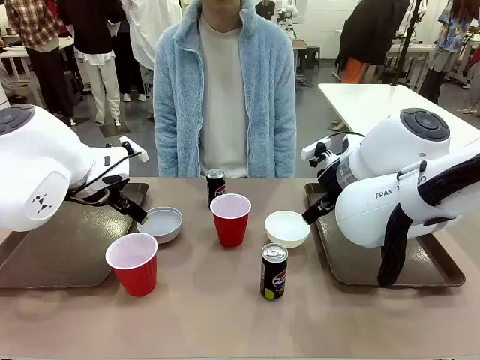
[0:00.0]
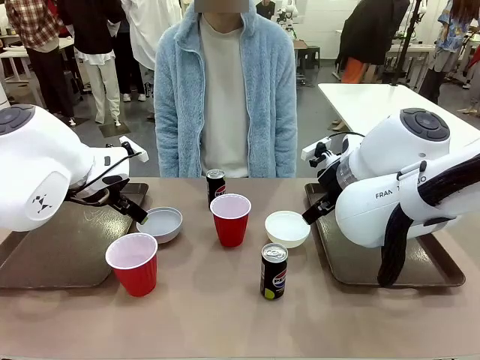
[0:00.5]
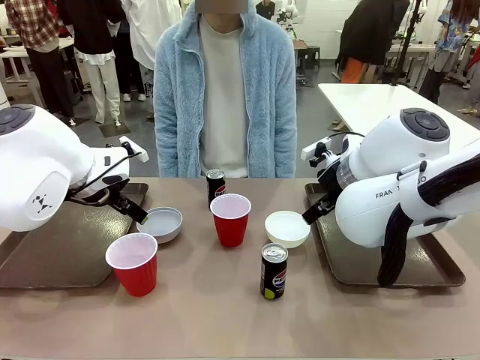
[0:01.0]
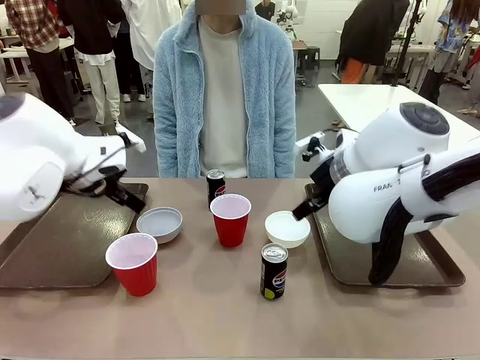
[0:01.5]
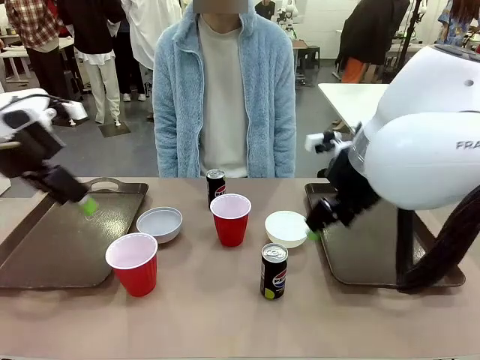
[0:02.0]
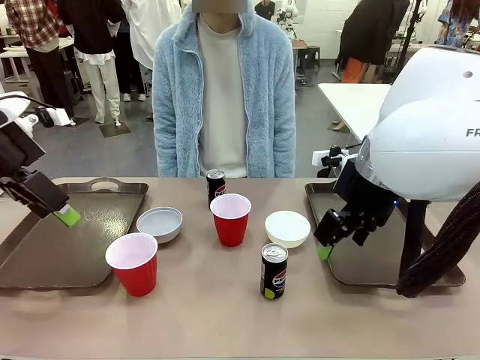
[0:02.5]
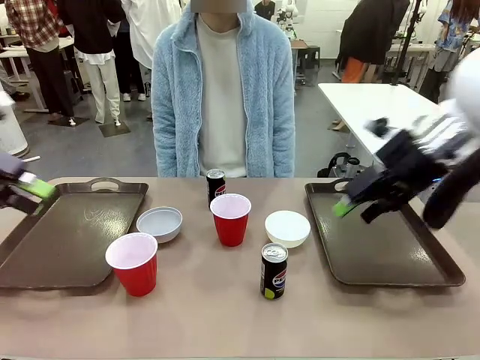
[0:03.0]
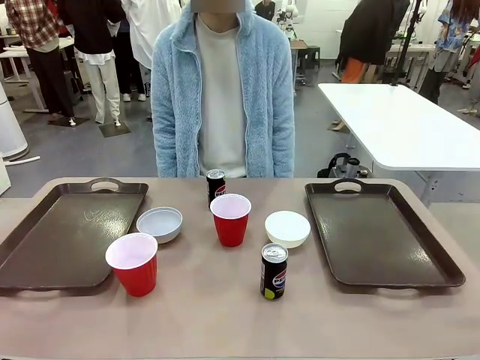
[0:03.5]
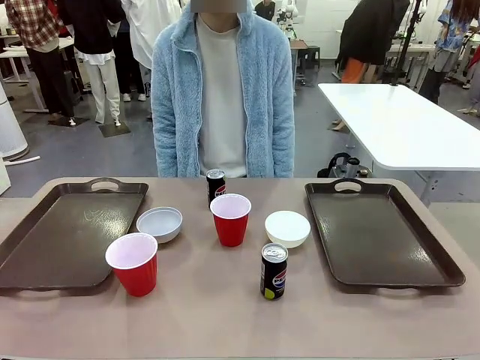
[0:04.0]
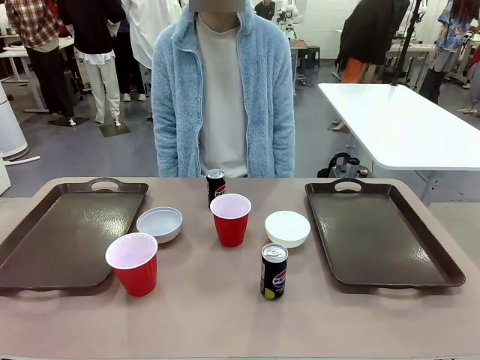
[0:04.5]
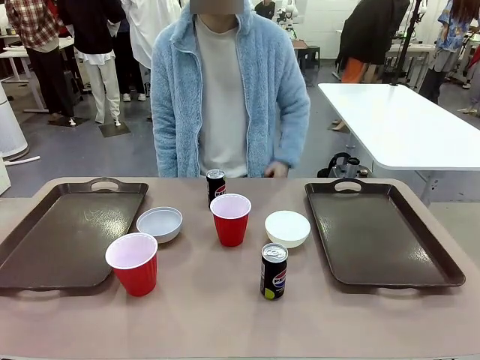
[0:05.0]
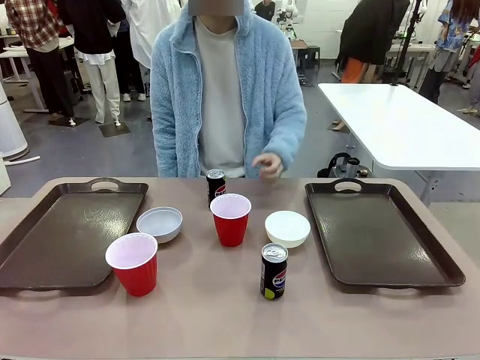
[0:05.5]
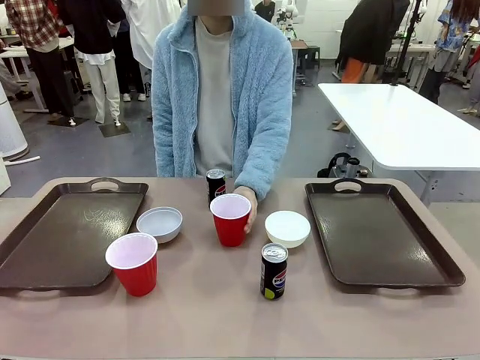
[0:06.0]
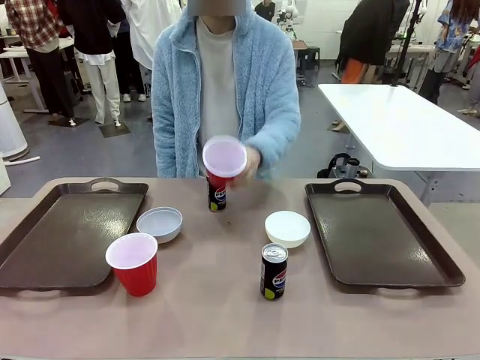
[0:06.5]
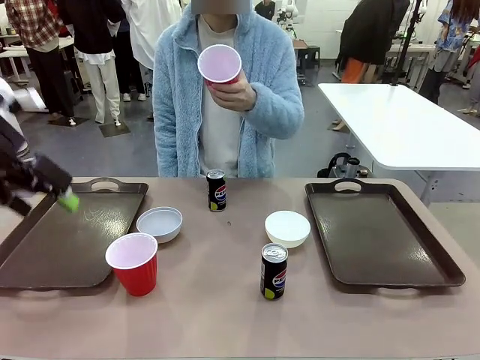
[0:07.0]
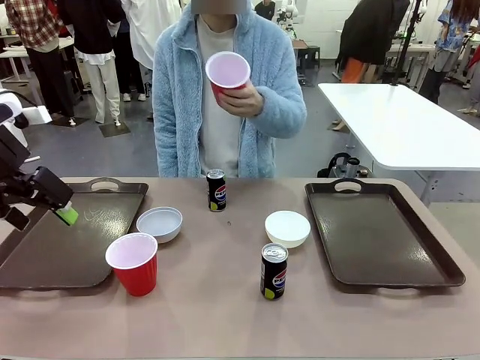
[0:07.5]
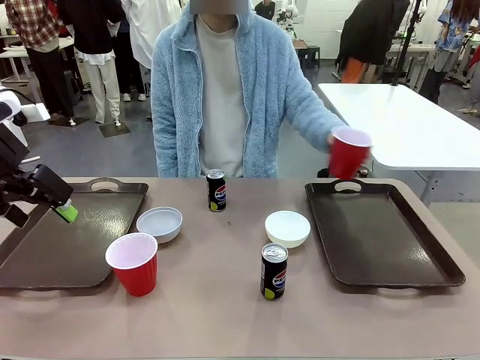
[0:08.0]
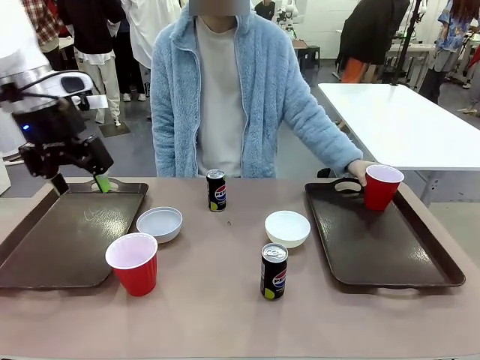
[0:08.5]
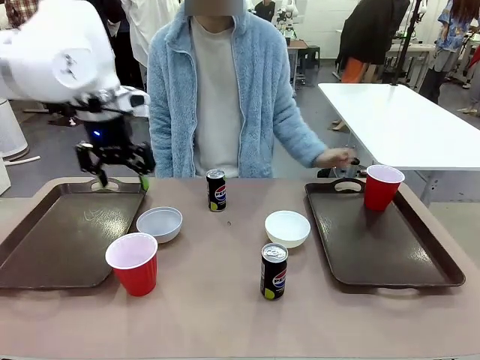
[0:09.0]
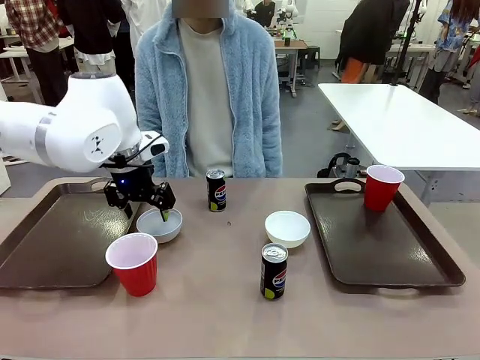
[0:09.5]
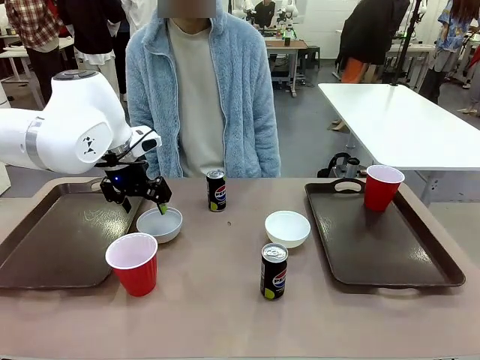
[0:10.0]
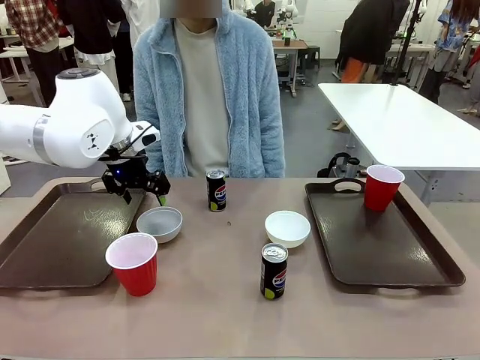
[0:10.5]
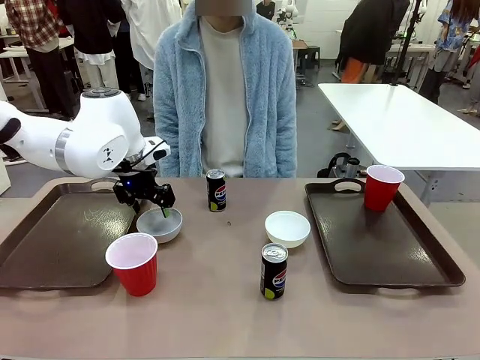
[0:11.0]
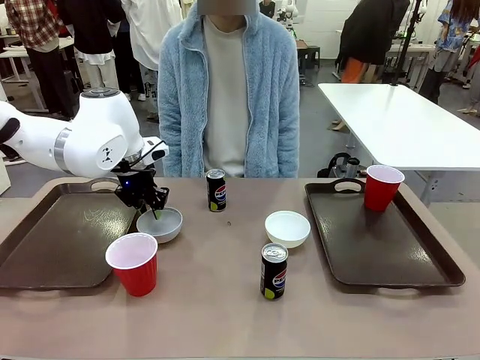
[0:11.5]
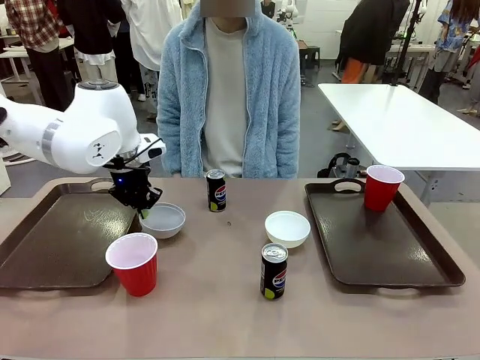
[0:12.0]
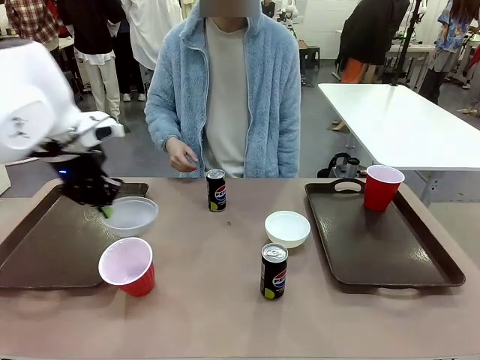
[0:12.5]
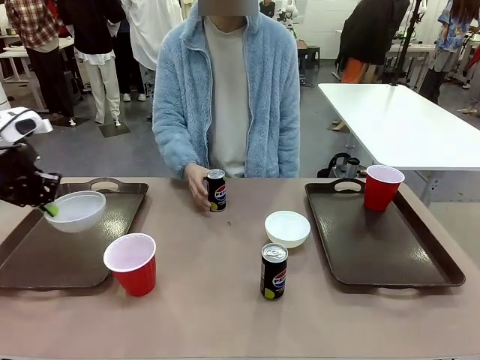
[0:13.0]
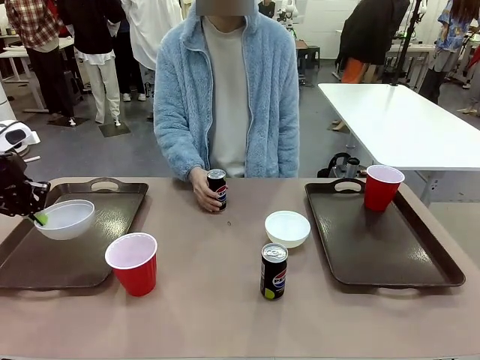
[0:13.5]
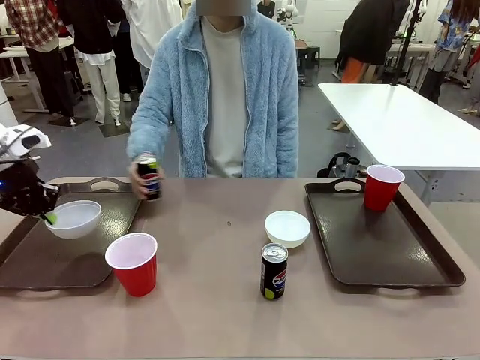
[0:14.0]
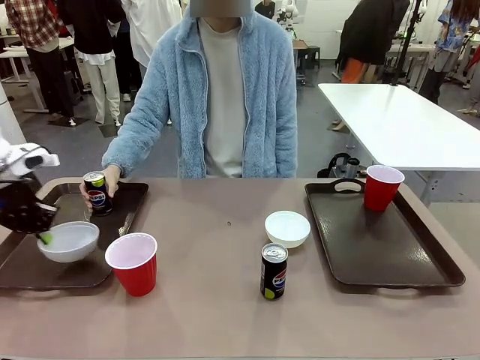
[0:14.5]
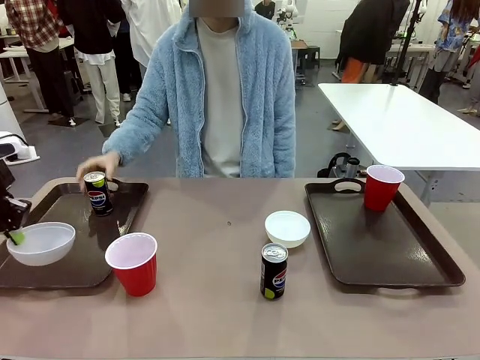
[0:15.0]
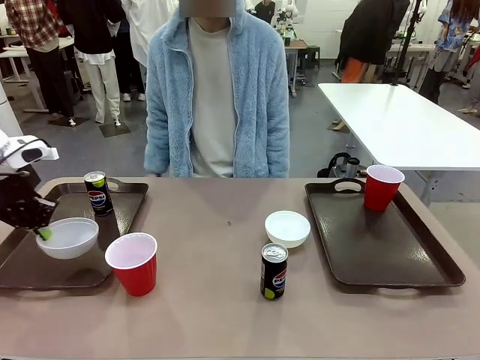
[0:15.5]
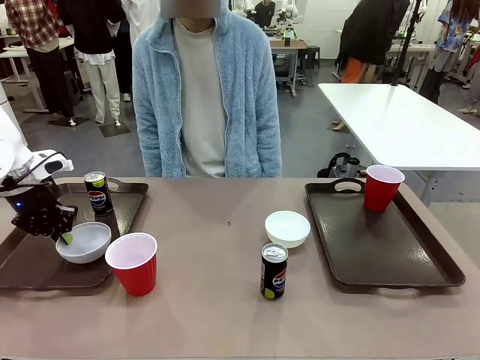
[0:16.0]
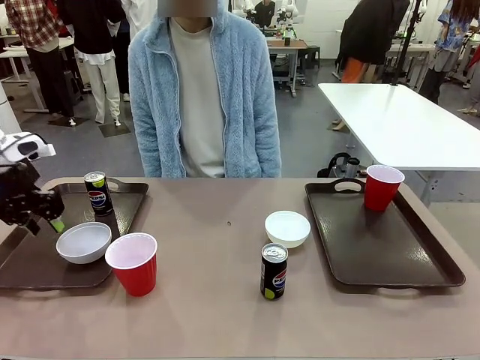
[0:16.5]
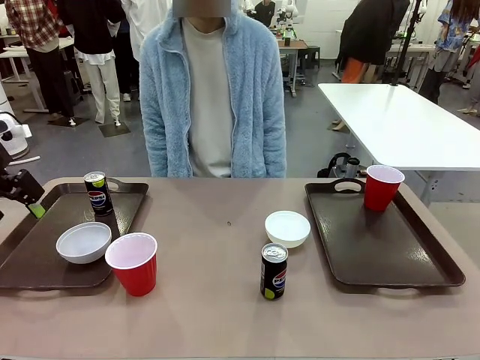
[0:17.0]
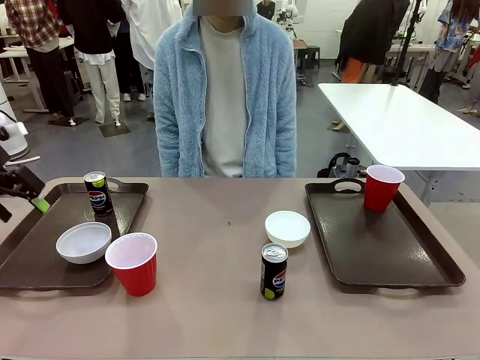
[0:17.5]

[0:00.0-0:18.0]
Task: Prepare tableware on both trays.
Robot: Pick up a Picnic Bowl from the table and place it on a Handle tray.
Person: Pick up a can or cup and place it on the tray.

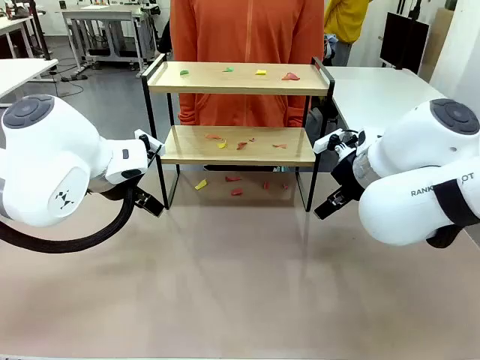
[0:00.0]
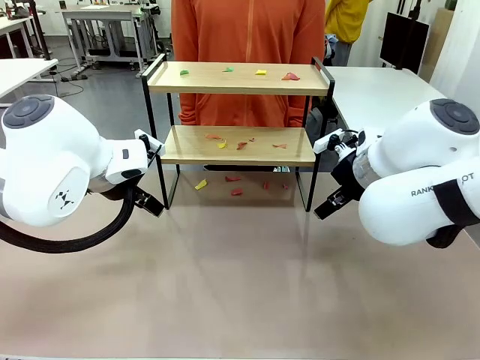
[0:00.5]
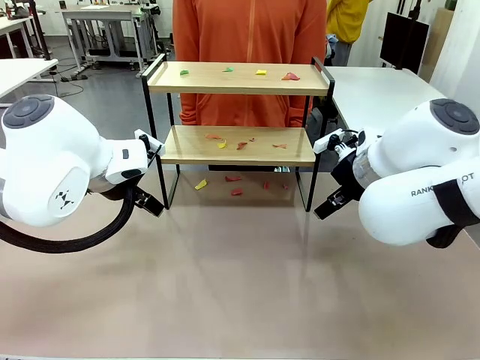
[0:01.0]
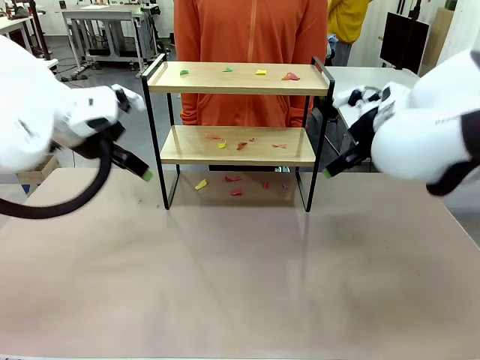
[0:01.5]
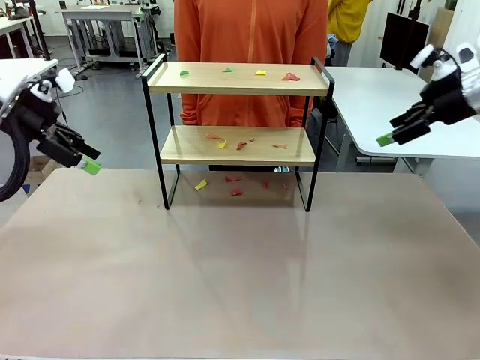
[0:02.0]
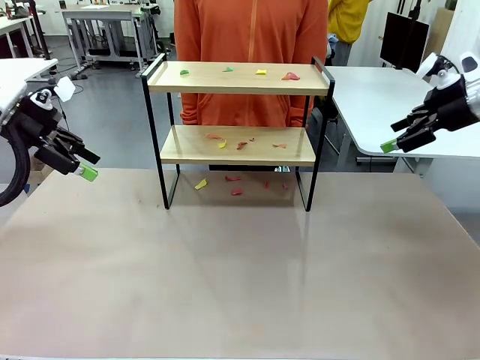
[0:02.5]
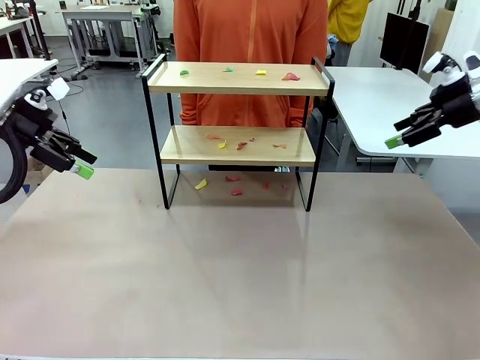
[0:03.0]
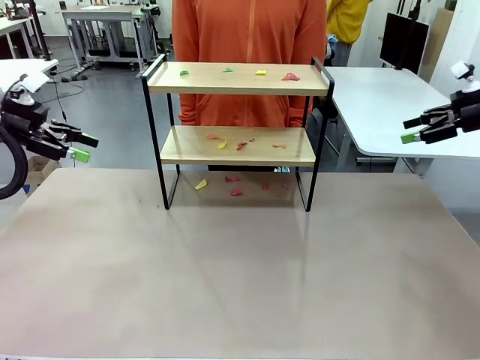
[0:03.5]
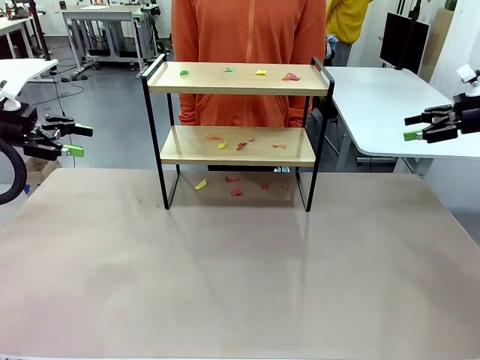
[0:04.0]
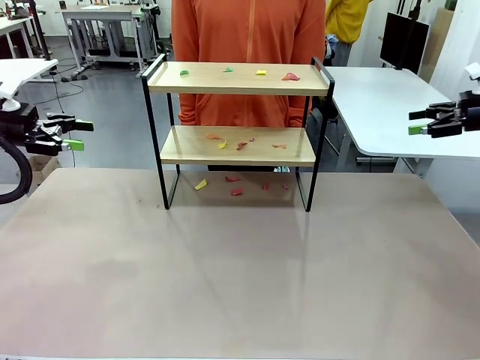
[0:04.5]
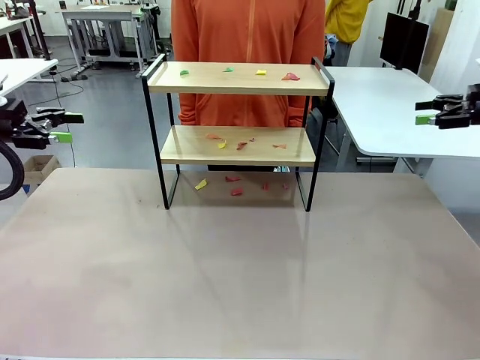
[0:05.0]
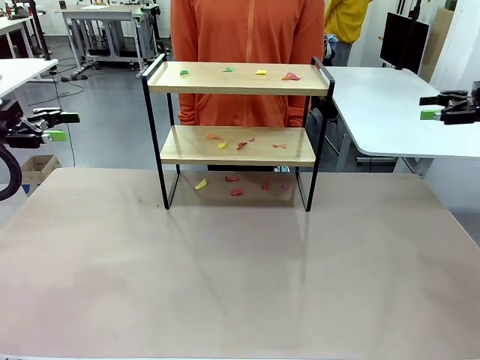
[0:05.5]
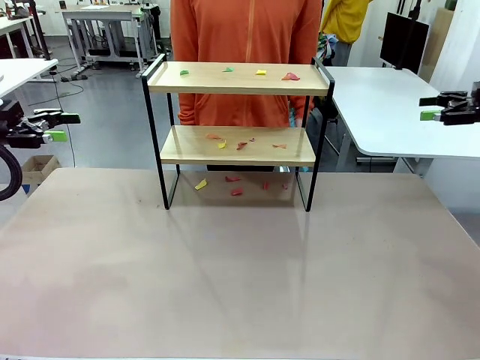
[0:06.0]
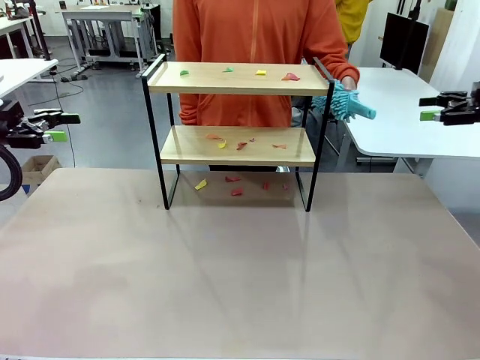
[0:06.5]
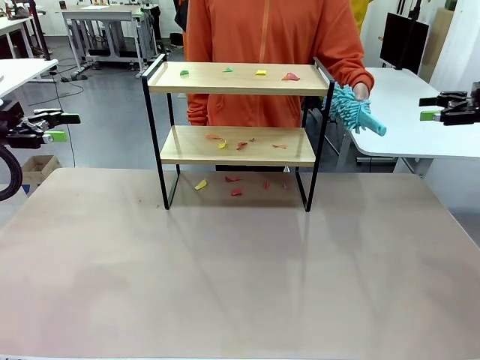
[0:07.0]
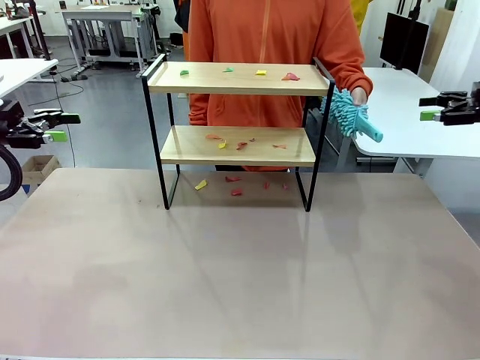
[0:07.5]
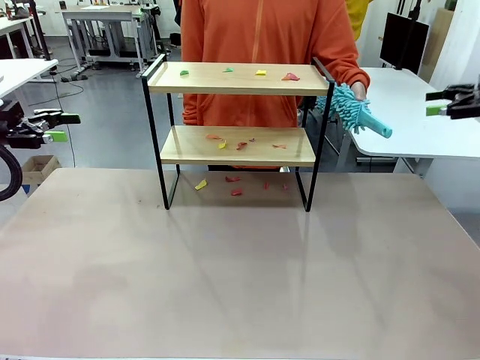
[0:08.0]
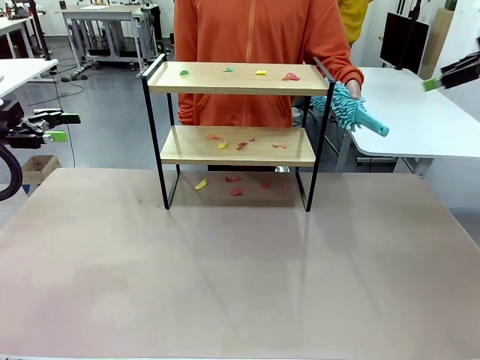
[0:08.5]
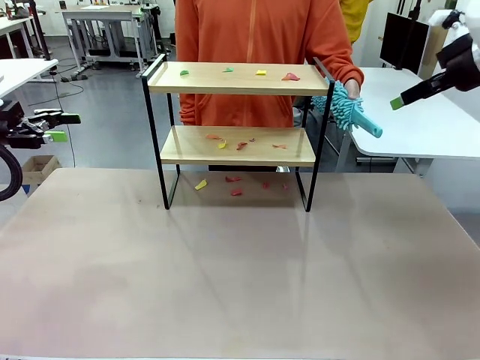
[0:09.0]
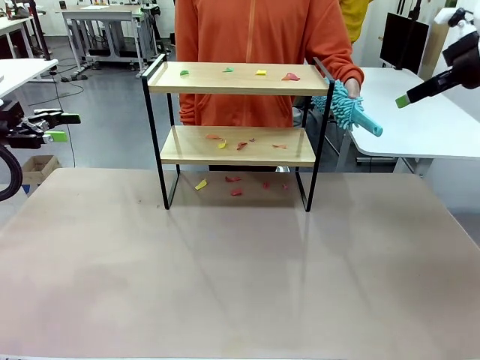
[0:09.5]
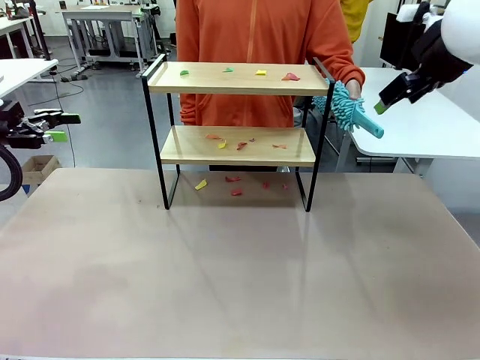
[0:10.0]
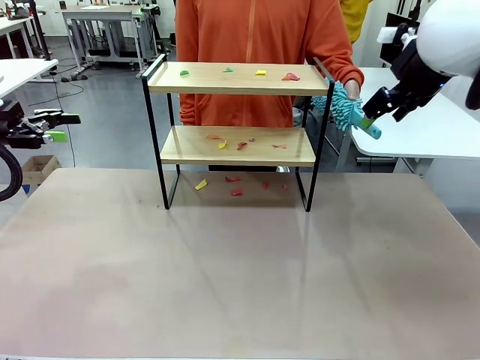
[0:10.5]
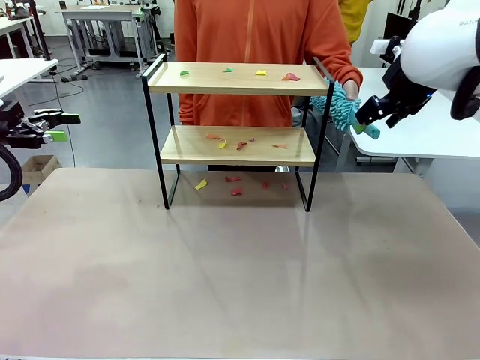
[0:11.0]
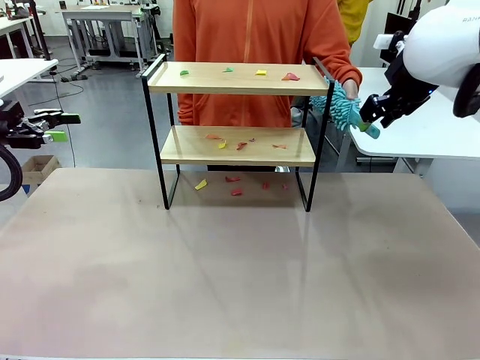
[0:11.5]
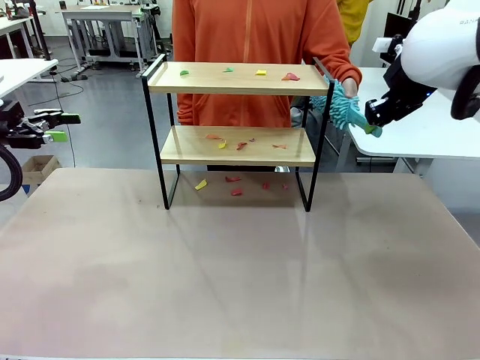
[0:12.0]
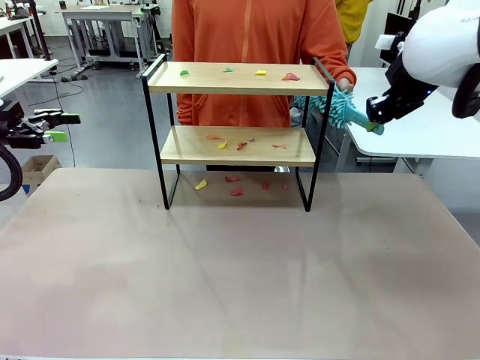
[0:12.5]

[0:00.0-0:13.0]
Task: Clean the shelf.
Robot: Pick up the Duster handed by the human.
Person: Hand the Duster to the robot.
